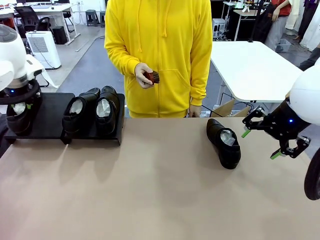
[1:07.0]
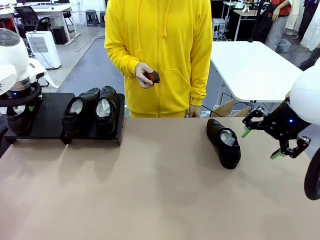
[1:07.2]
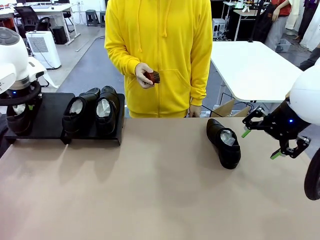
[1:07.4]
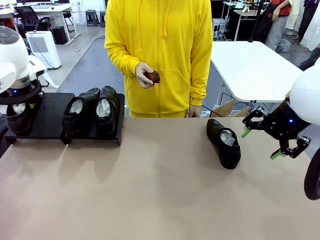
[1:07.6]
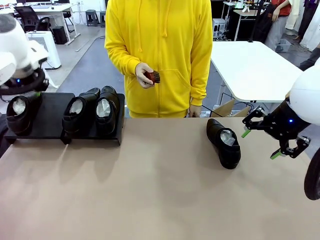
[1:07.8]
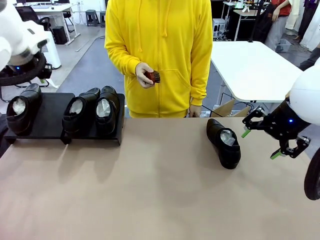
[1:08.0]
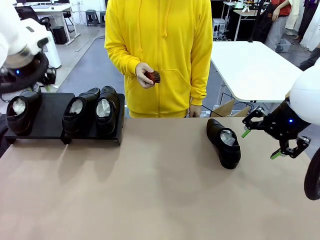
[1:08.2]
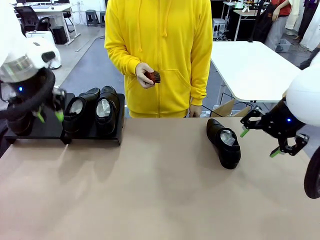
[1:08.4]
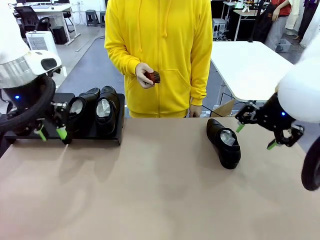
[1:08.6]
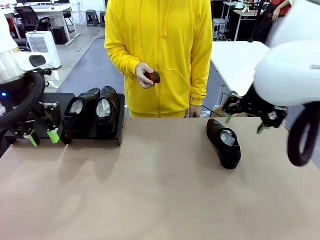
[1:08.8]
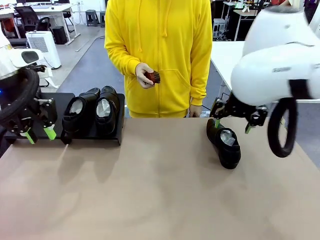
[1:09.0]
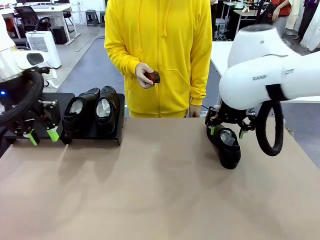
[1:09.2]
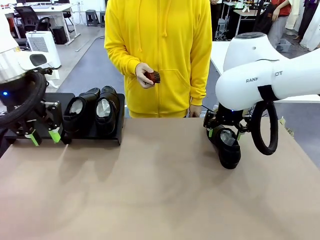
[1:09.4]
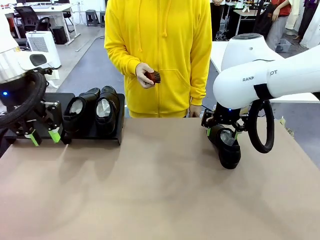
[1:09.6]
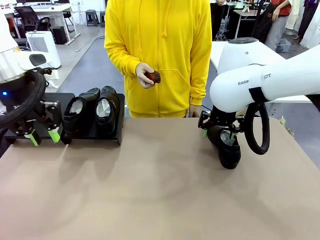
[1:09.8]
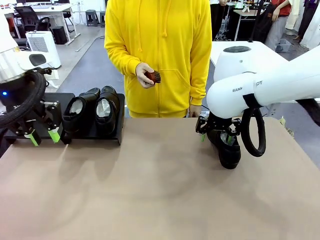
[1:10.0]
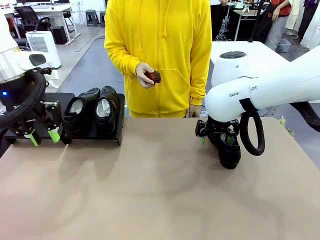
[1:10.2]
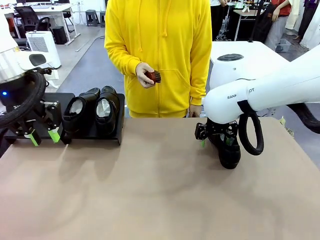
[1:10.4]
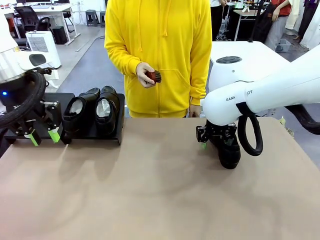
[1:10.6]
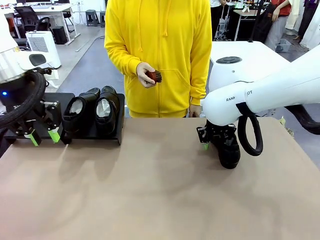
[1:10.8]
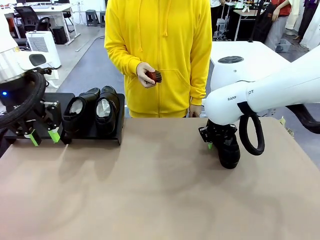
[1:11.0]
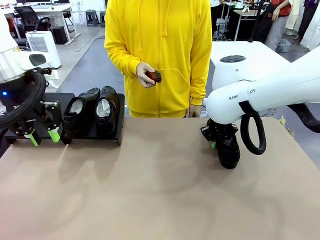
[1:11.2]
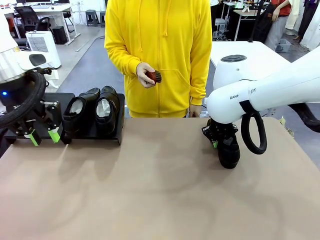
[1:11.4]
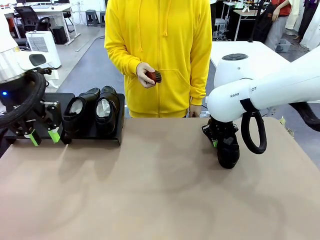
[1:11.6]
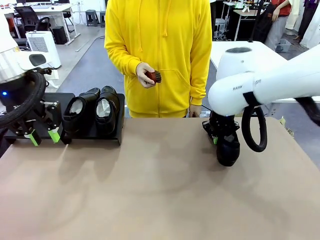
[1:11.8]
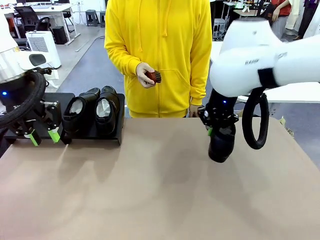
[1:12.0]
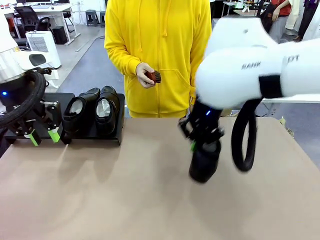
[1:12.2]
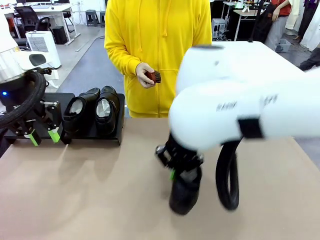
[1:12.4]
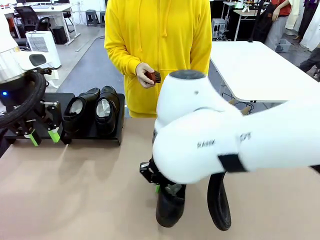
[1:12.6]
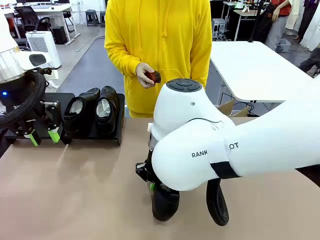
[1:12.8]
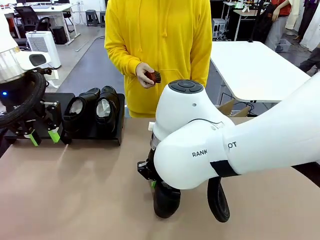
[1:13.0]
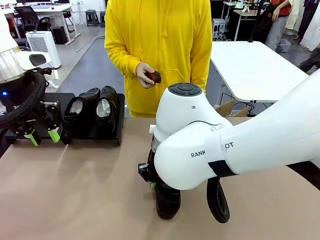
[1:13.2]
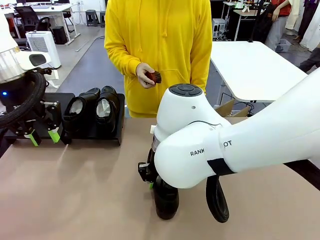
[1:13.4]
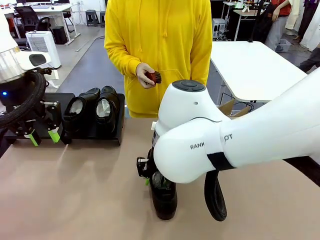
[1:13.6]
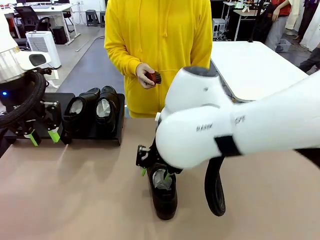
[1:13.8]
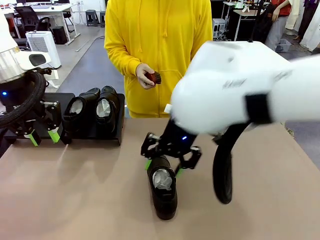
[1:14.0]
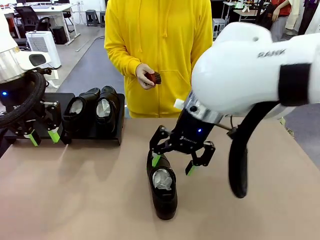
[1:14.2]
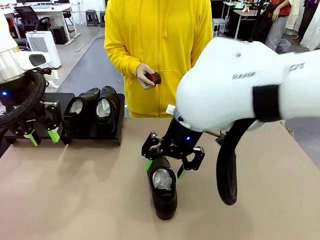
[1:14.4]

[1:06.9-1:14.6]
Task: Organize the shoes by placing them on the stand.
Robot: Pick up one Shoe and place it in the middle of the table.

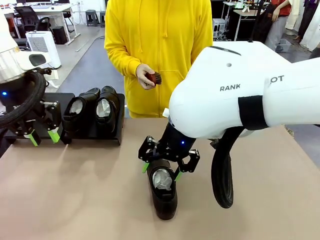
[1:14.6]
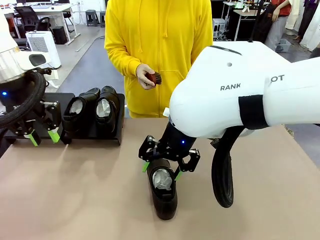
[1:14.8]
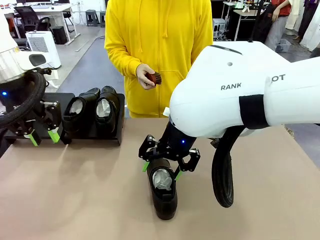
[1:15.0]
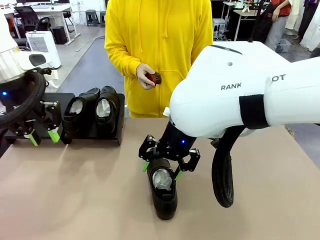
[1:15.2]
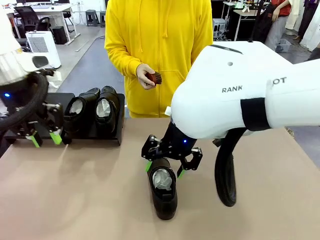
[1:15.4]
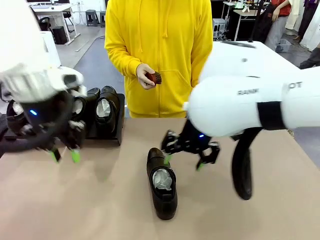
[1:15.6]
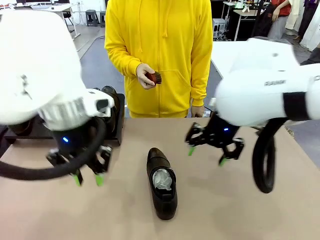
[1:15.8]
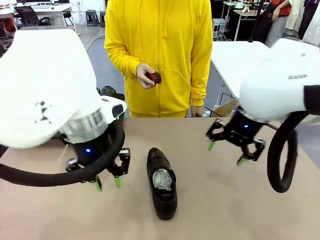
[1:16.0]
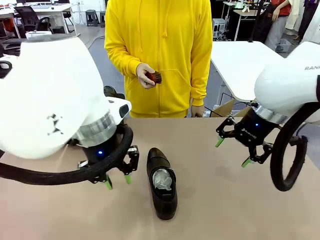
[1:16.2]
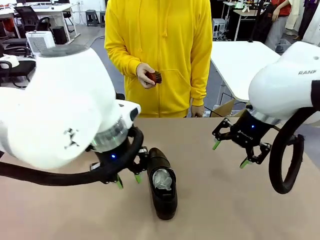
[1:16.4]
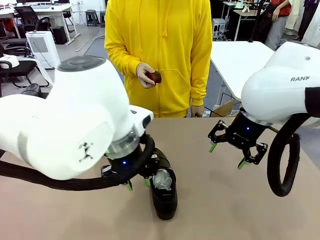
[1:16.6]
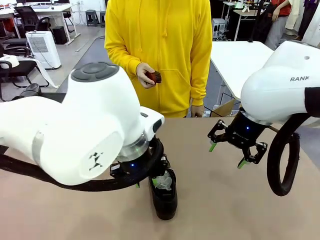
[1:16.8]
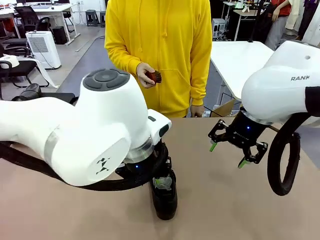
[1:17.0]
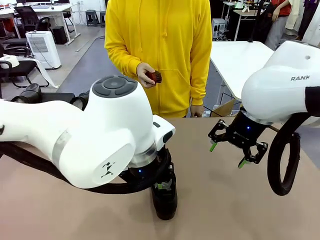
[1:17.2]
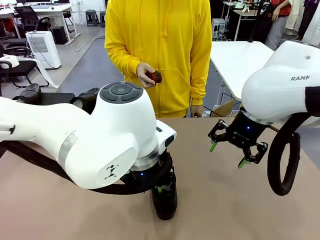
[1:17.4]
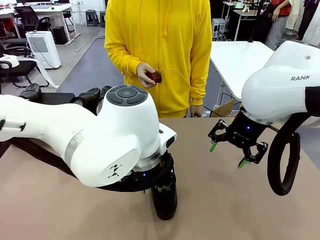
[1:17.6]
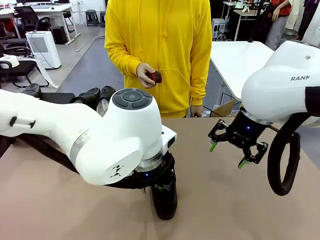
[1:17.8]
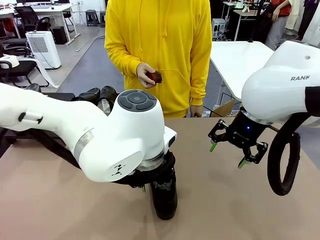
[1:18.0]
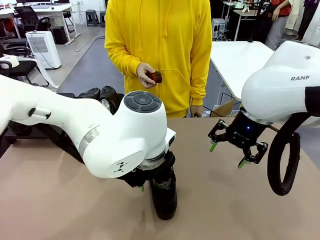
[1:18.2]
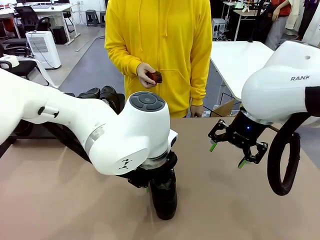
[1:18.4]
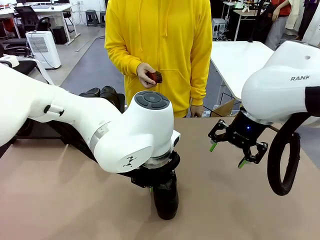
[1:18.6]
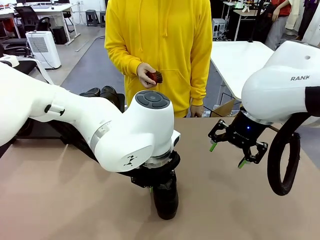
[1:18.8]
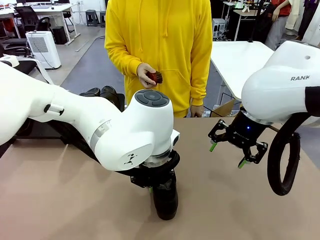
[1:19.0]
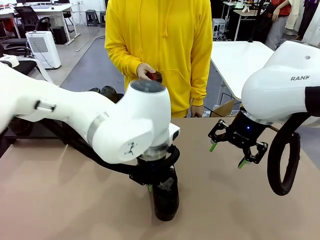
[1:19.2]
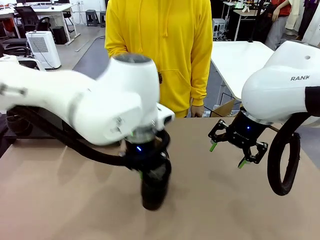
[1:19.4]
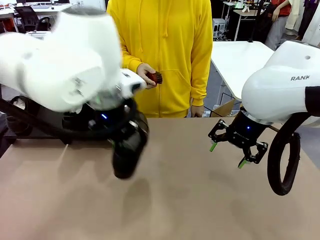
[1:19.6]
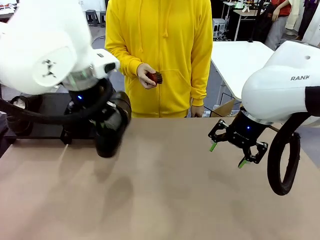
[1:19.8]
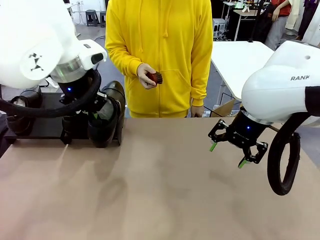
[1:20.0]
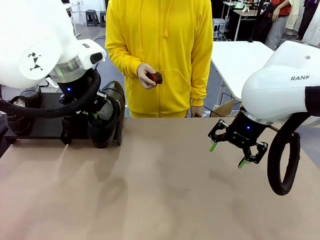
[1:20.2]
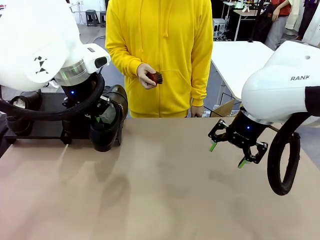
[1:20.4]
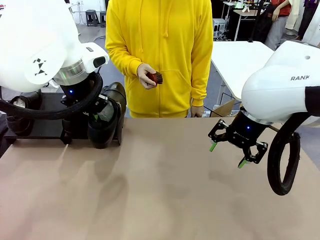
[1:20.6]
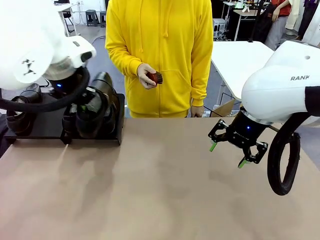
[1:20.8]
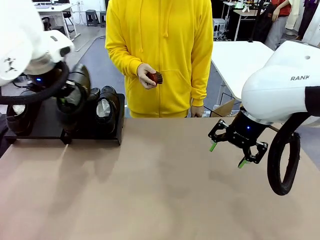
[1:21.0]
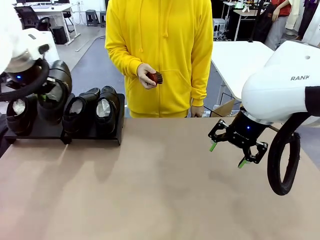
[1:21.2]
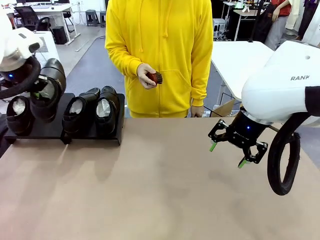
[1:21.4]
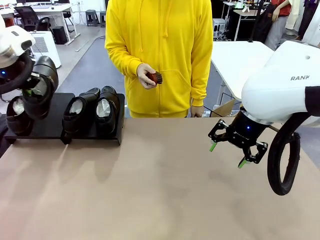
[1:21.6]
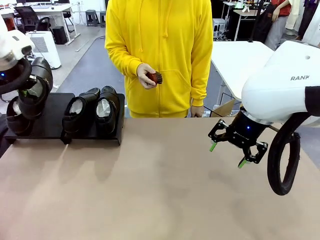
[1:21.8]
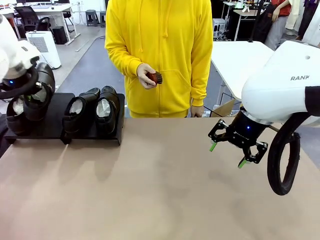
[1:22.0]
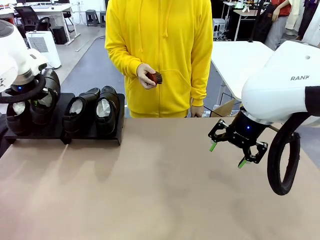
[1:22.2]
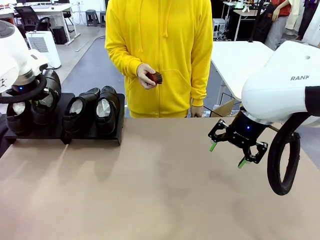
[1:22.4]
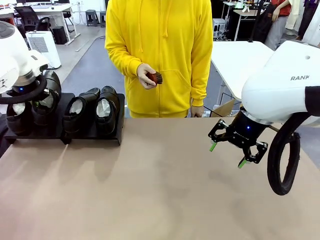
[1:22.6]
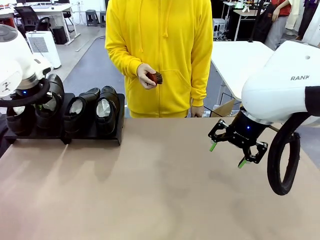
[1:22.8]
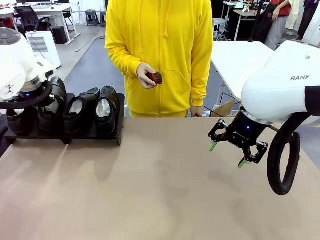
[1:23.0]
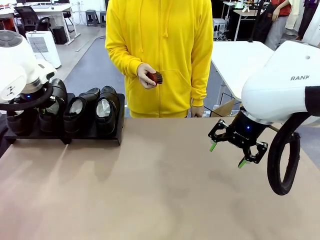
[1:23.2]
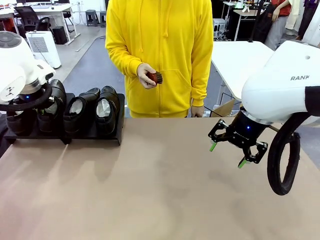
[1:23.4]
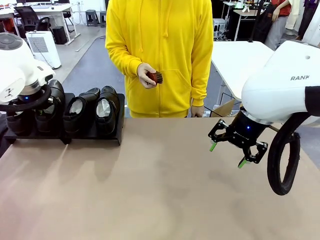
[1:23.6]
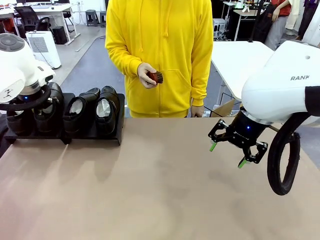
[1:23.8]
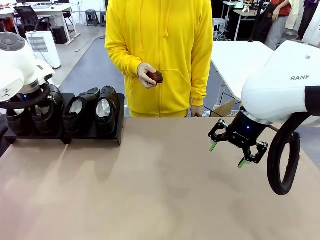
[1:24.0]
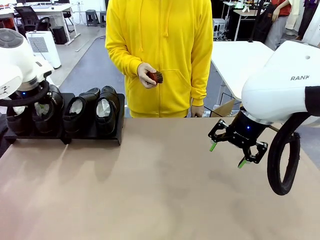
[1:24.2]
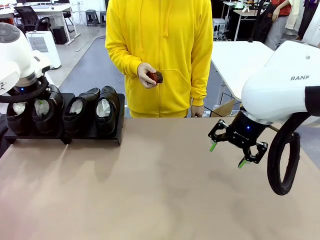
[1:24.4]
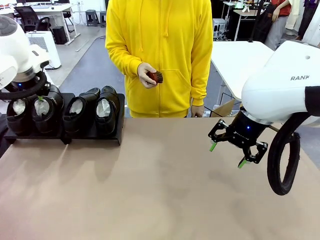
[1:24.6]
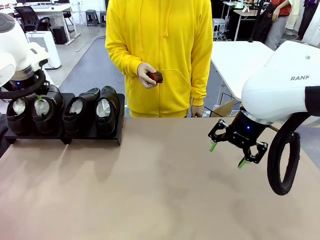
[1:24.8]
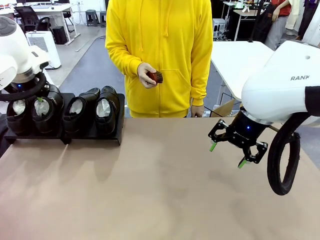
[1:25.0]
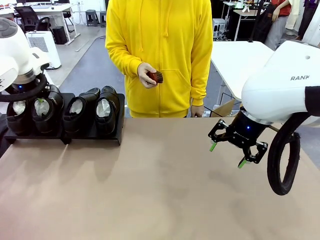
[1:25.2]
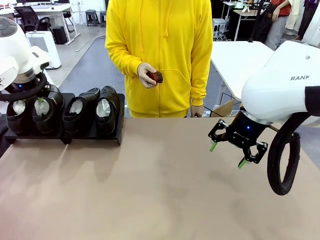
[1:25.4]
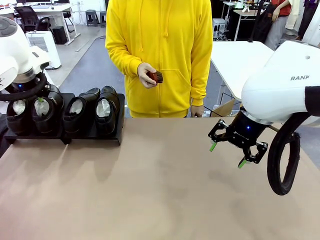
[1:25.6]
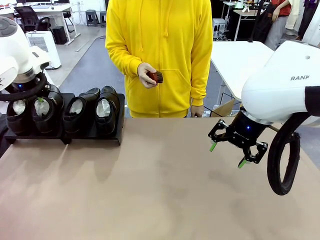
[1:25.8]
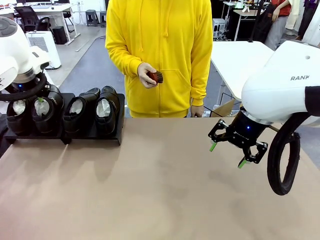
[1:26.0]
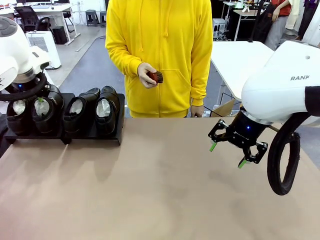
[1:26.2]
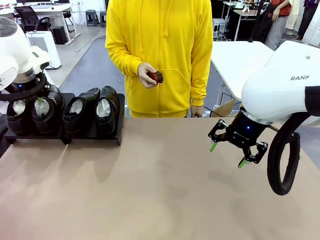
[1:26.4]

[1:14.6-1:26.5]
Robot: Place the Shoe from the middle of the table onto the Shoes Stand.
